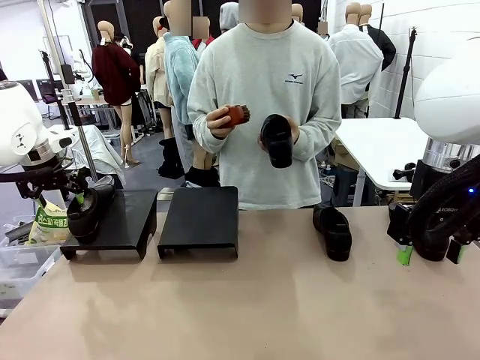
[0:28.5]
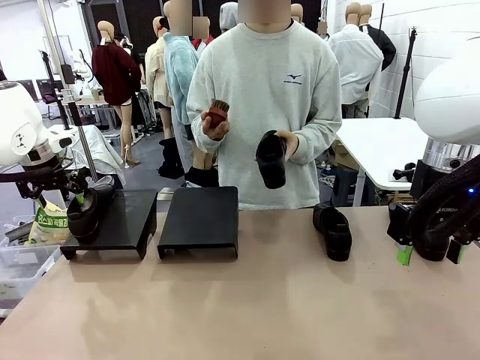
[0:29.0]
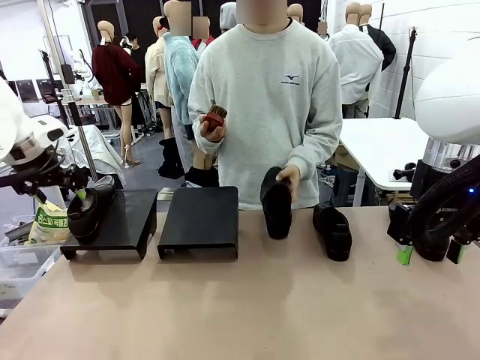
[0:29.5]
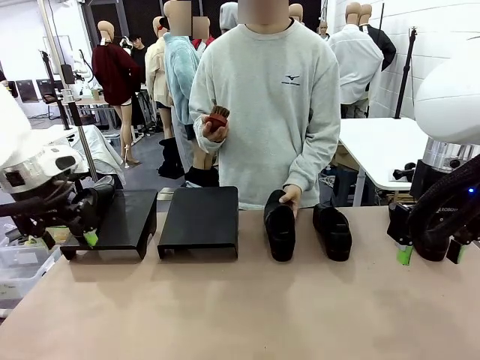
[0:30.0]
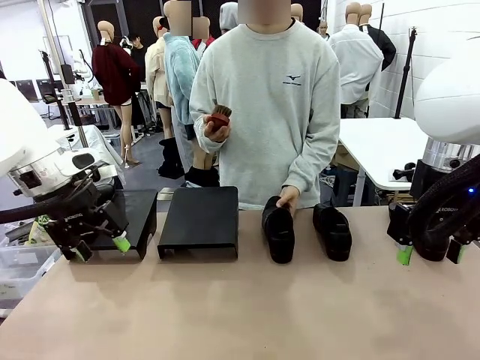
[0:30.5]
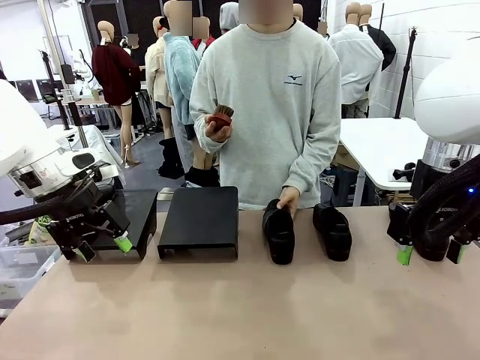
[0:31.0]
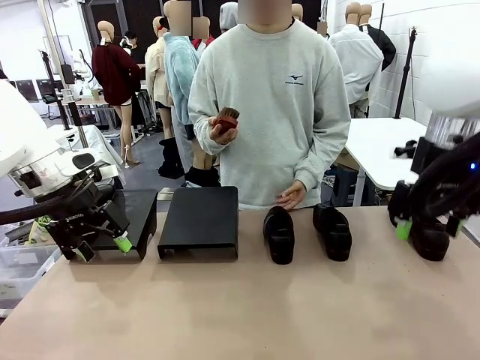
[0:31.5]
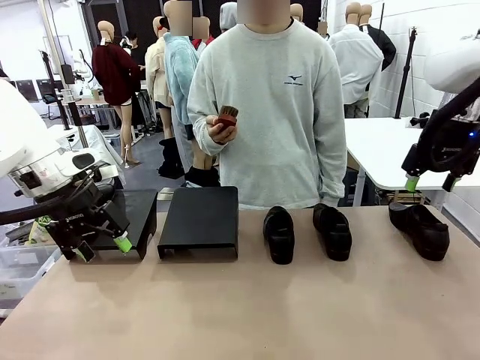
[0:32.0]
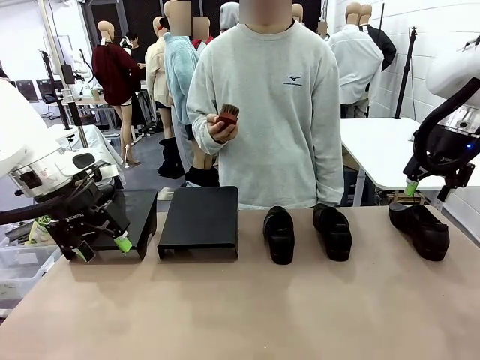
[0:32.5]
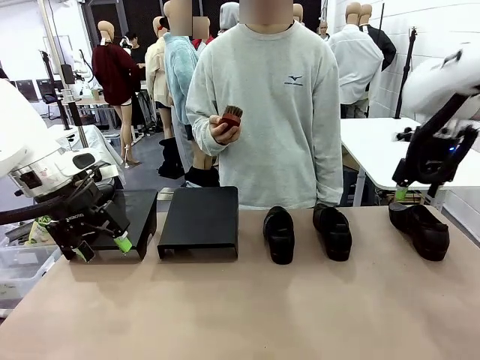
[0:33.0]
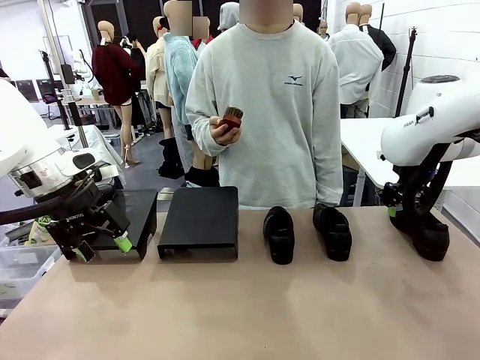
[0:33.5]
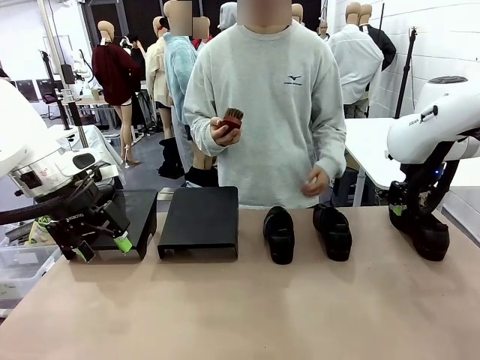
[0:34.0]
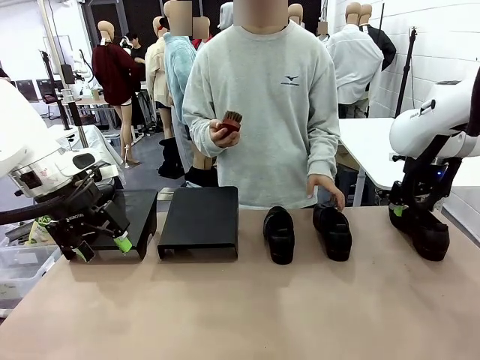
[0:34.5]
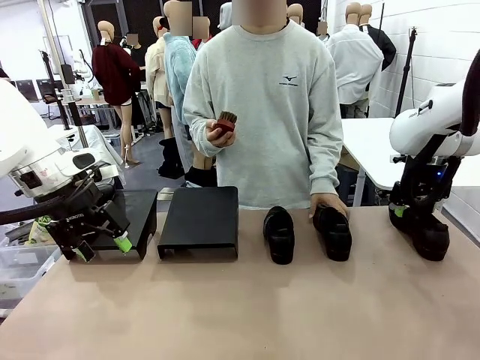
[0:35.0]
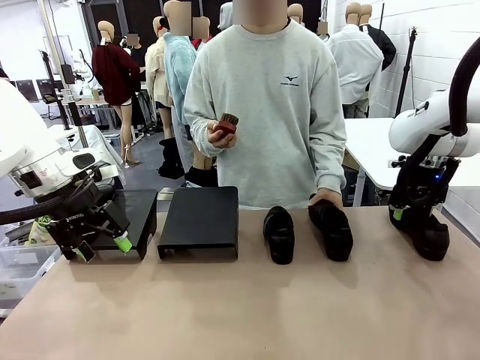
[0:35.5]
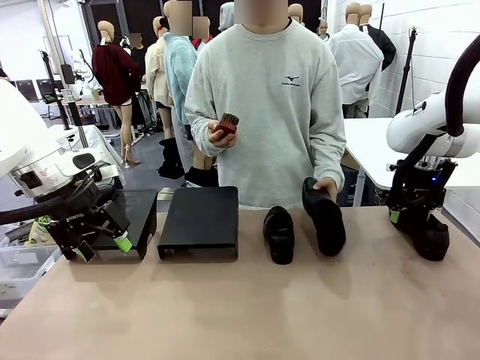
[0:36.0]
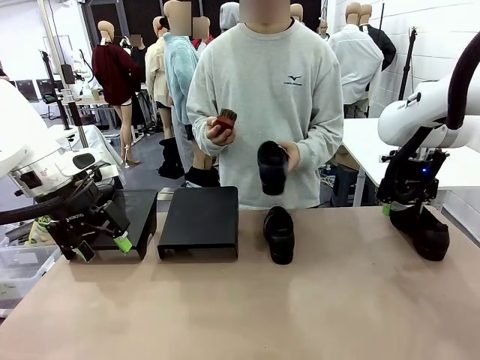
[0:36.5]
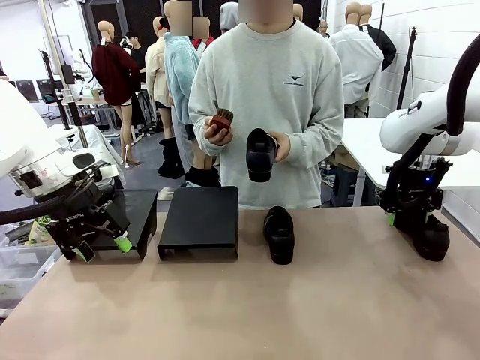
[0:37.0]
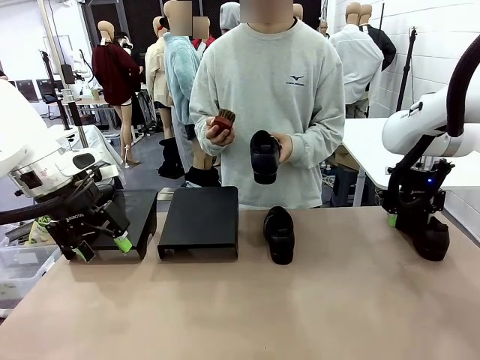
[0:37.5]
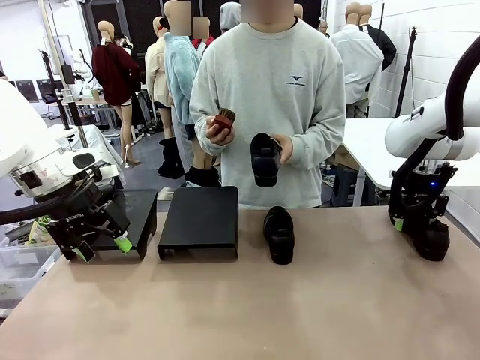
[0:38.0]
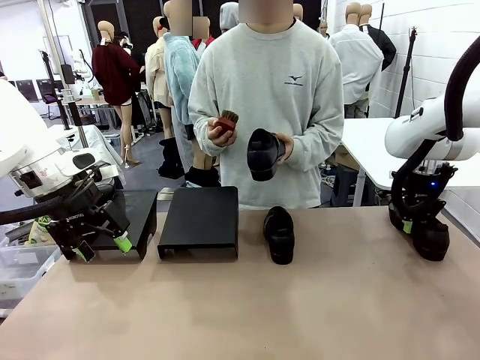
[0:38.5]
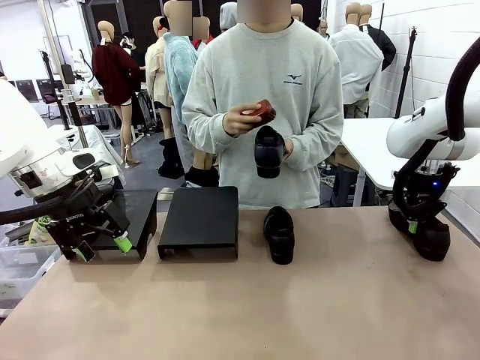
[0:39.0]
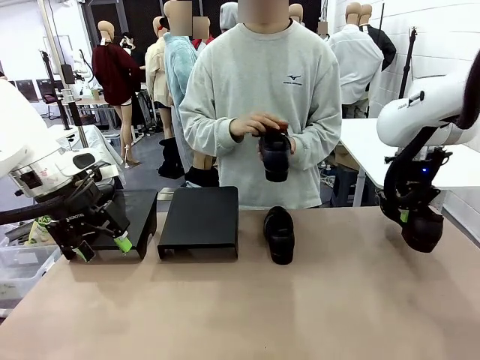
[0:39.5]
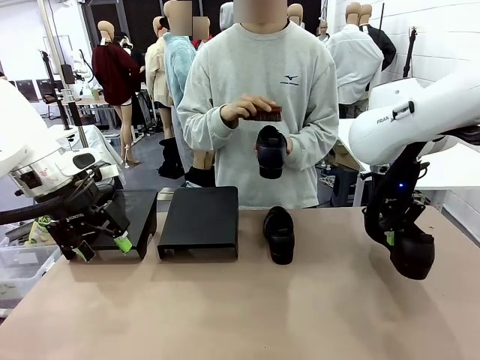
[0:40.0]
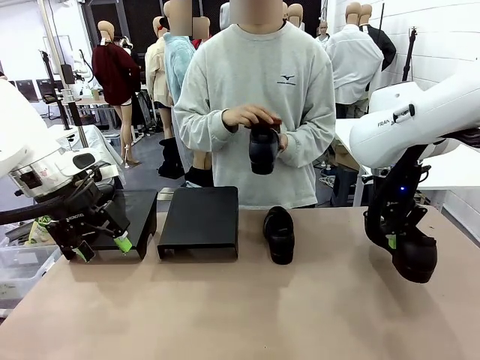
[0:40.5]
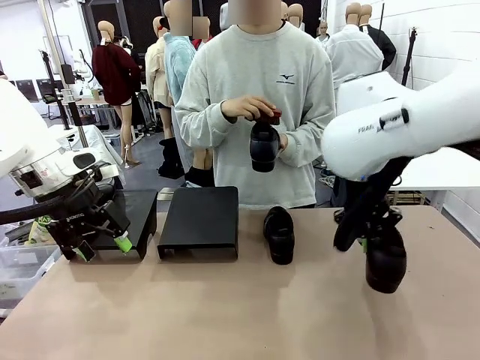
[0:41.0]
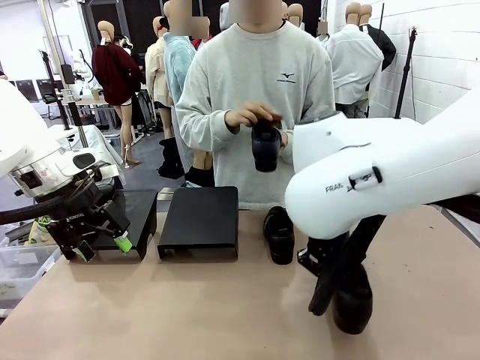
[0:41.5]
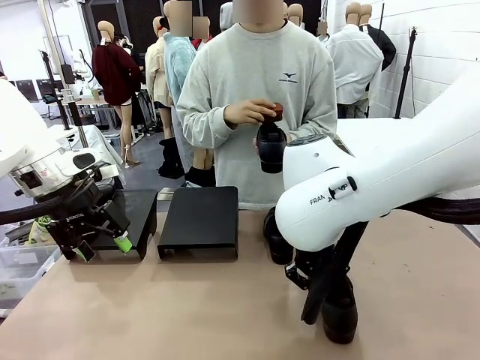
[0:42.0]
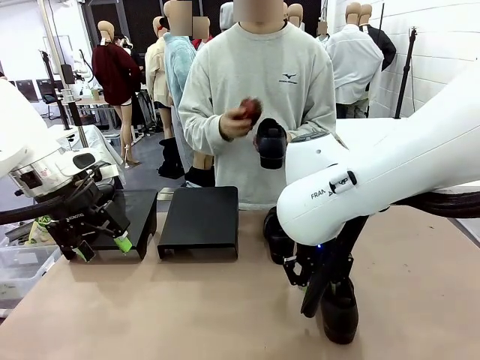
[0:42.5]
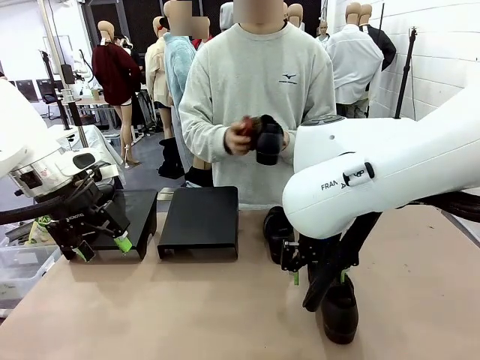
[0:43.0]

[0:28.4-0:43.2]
Task: Organize the shoes by placing them on the stand.
Robot: Pick up one Shoe and place it in the middle of the table.
Person: Place the Shoe on left side of the Robot's table. Pick one Shoe on Robot's table.

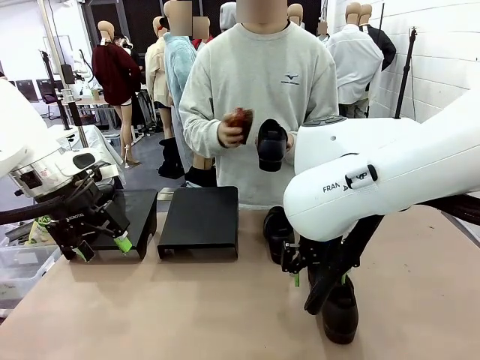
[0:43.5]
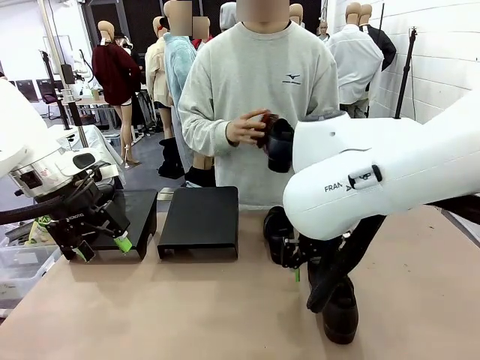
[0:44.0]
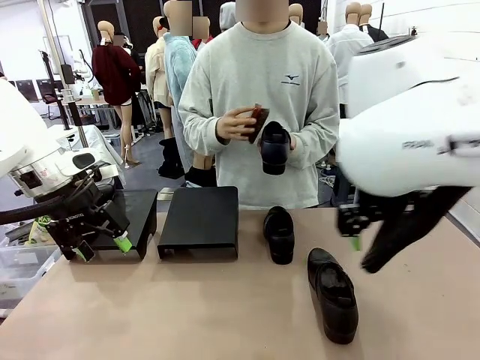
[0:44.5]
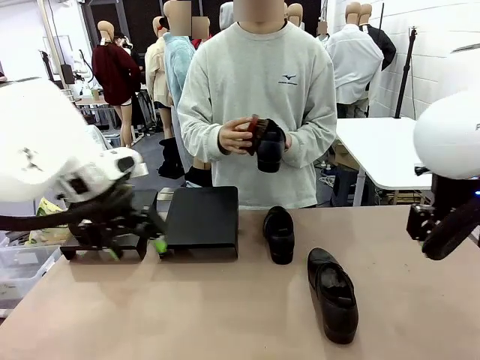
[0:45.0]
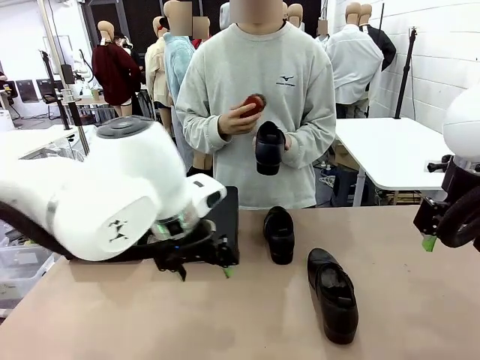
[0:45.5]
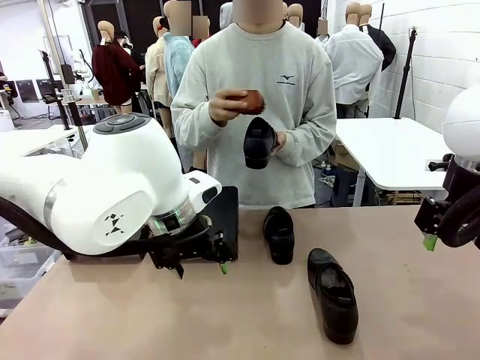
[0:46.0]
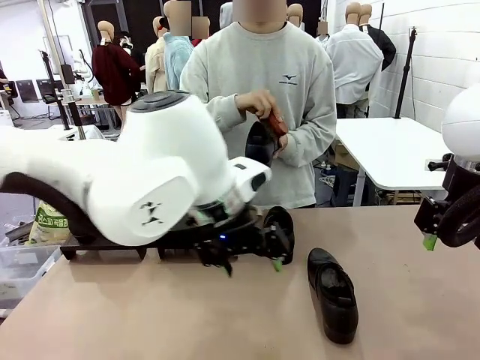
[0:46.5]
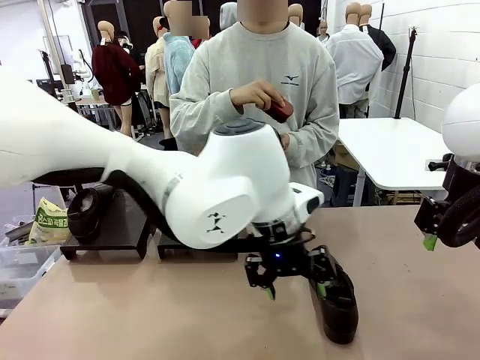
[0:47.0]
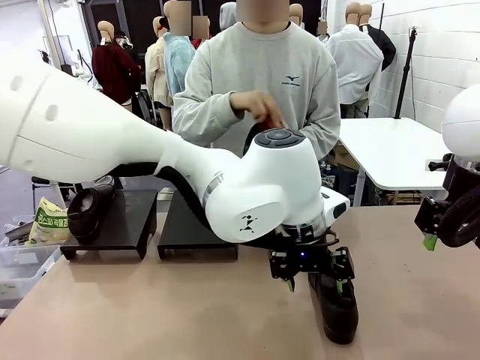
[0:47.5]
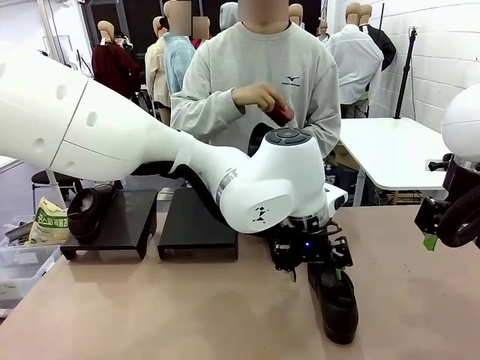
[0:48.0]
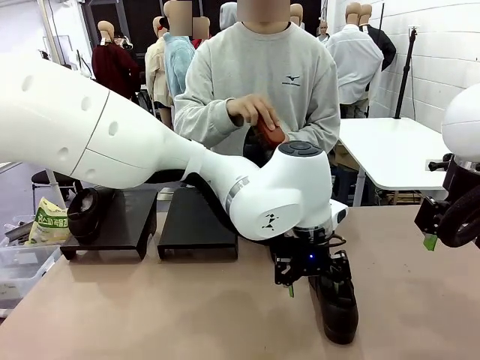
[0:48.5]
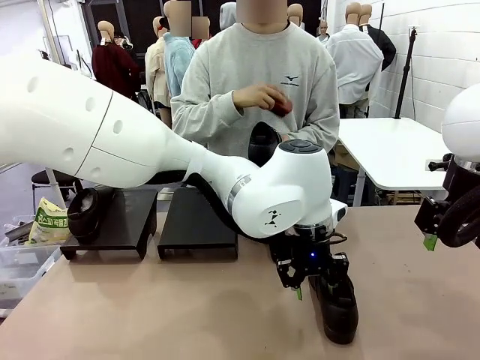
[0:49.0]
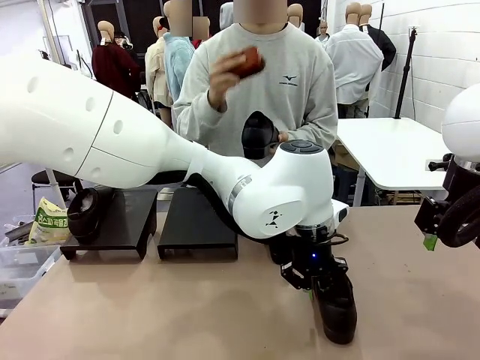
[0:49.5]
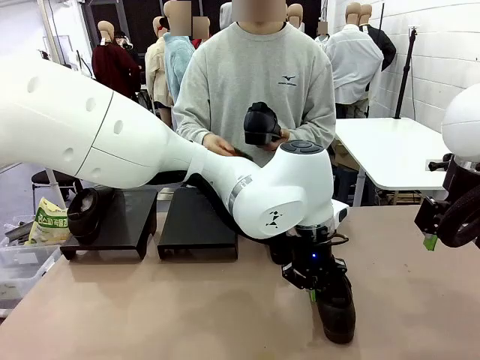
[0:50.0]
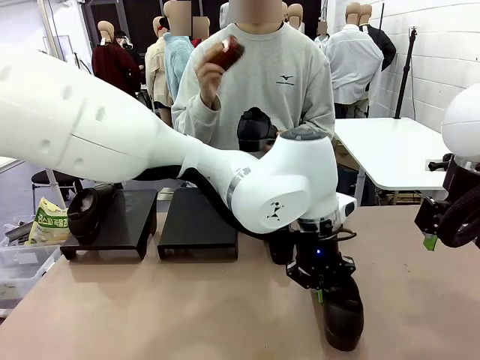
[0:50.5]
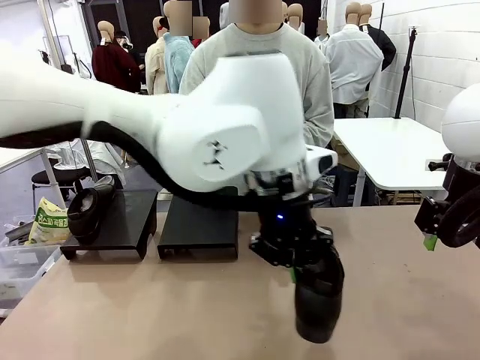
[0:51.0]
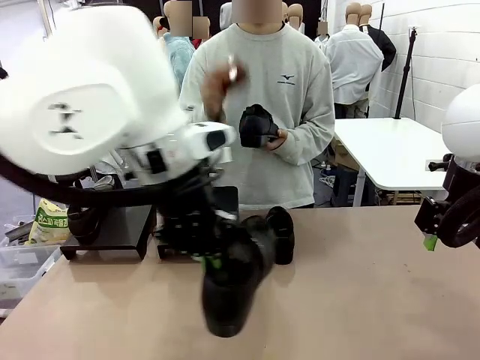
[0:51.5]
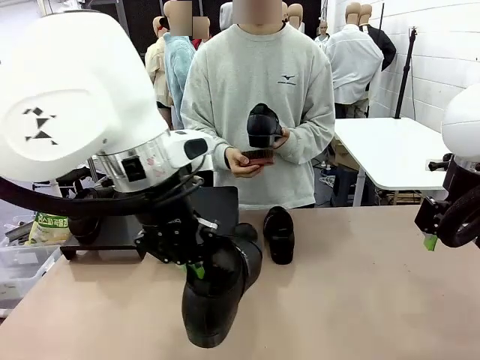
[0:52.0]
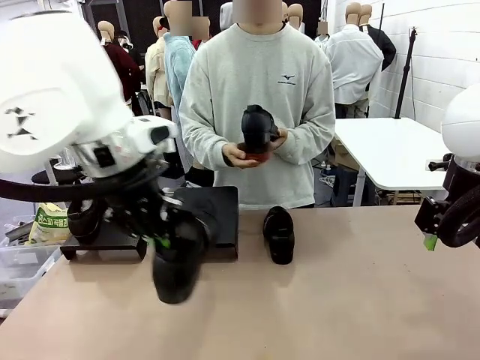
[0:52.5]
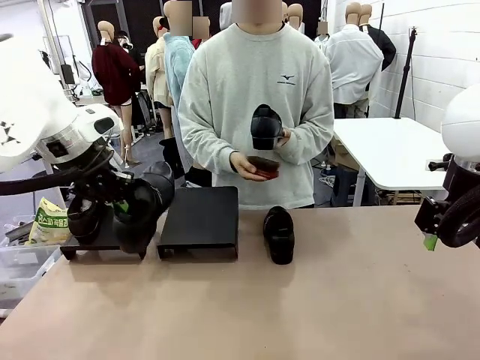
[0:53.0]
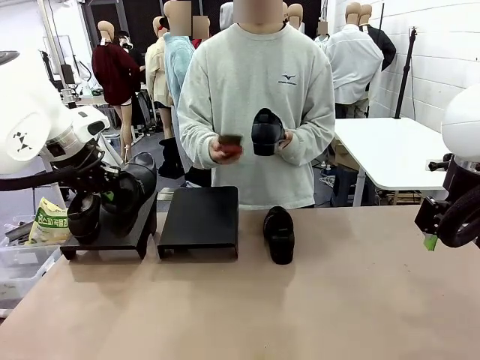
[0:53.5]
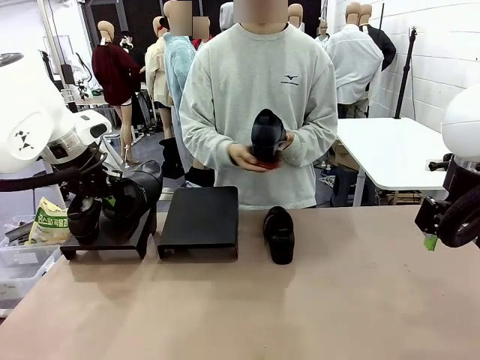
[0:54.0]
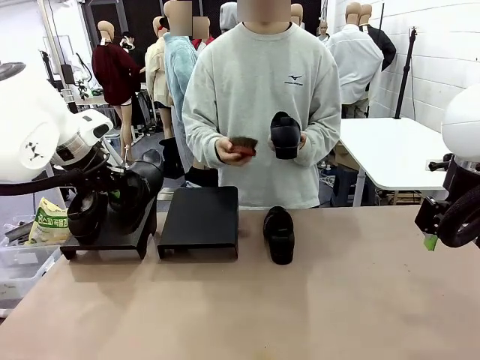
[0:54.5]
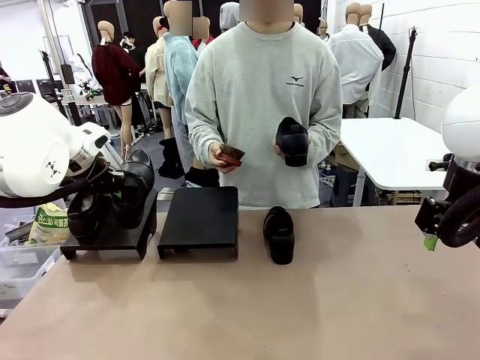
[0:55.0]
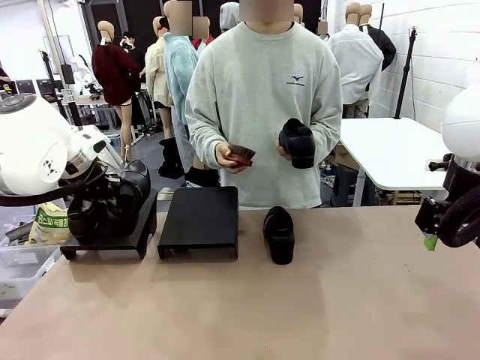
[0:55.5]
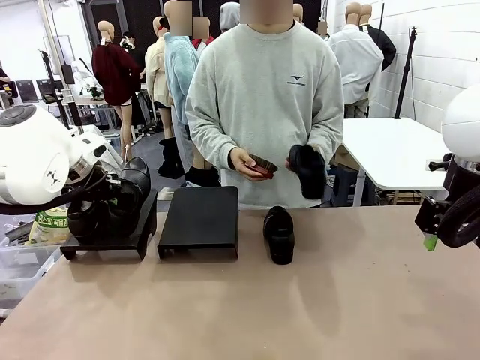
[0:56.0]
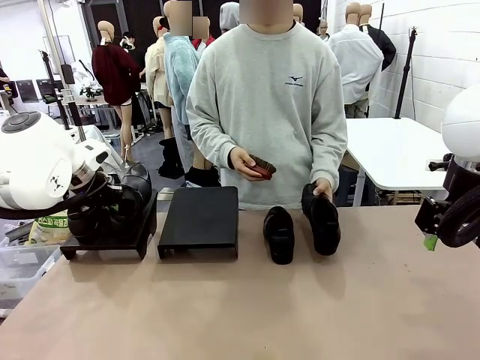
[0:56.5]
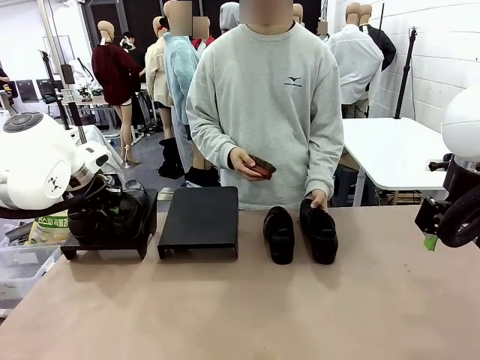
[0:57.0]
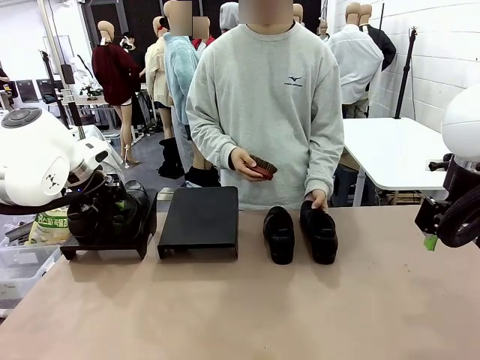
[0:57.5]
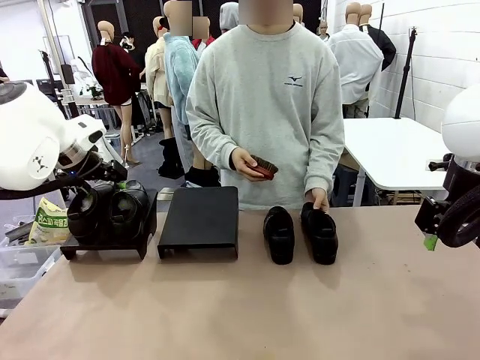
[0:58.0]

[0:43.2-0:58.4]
Robot: Place the Shoe from the middle of the table onto the Shoes Stand.
Person: Clean the Shoe with the Shoe Brush.
